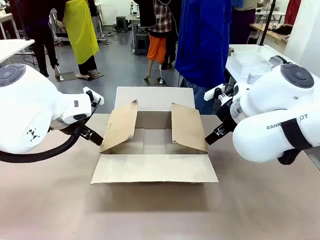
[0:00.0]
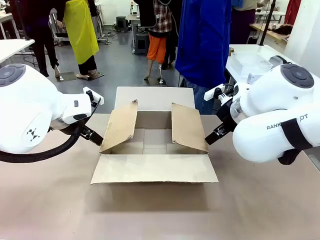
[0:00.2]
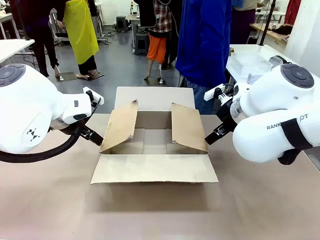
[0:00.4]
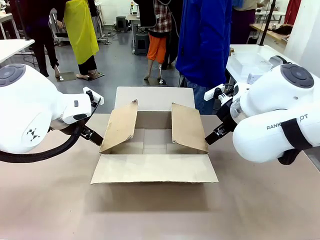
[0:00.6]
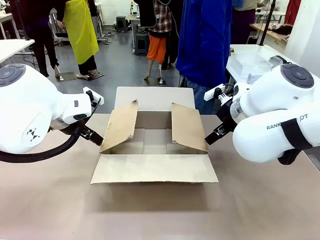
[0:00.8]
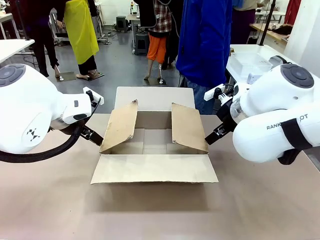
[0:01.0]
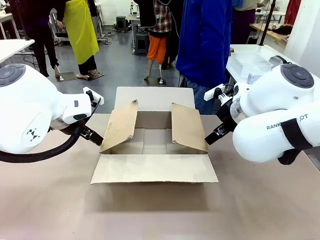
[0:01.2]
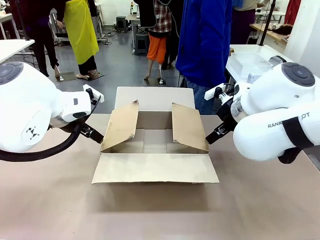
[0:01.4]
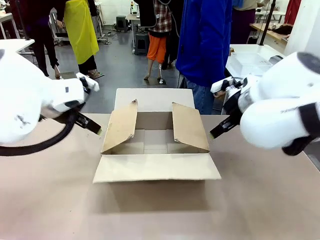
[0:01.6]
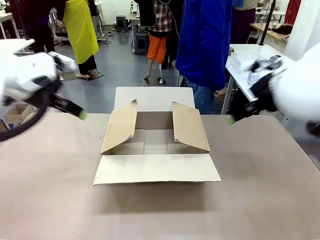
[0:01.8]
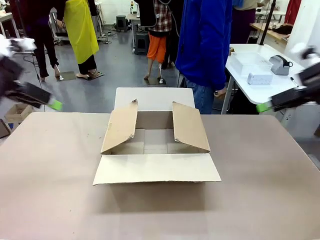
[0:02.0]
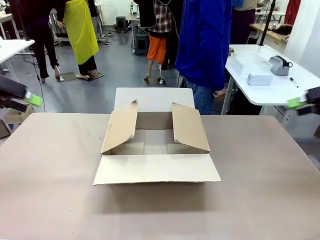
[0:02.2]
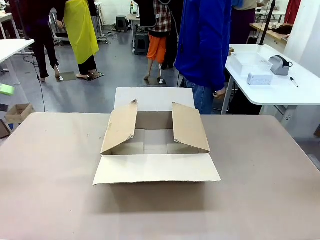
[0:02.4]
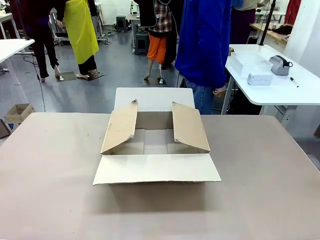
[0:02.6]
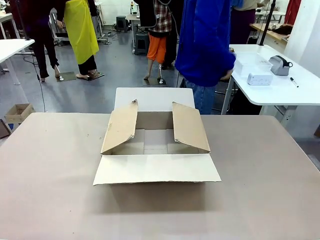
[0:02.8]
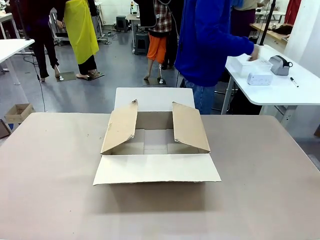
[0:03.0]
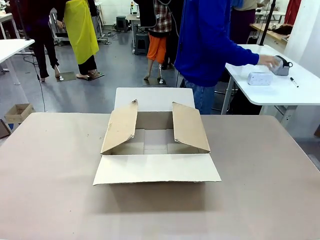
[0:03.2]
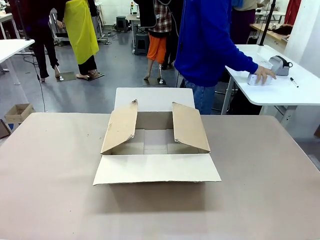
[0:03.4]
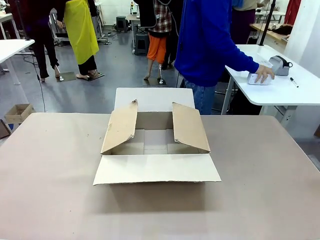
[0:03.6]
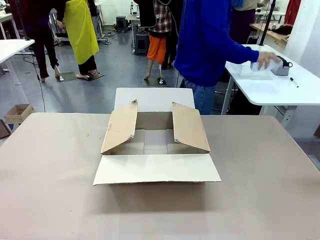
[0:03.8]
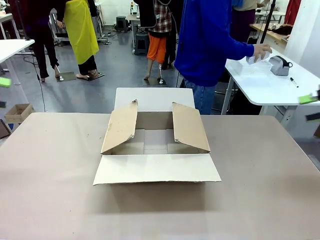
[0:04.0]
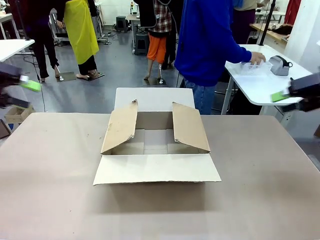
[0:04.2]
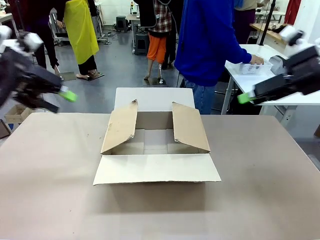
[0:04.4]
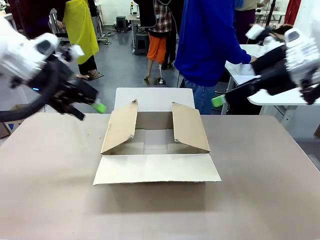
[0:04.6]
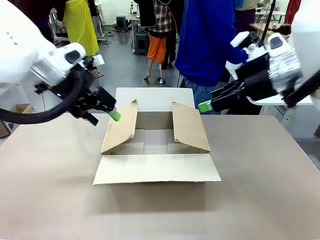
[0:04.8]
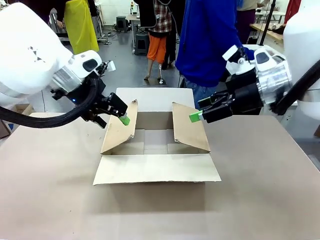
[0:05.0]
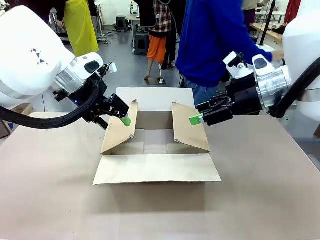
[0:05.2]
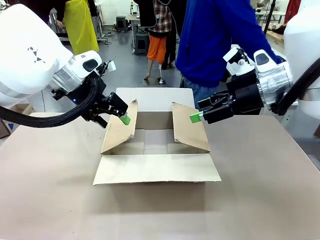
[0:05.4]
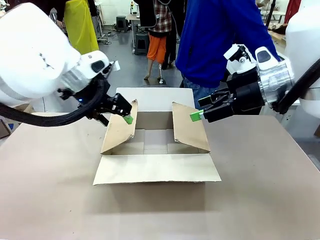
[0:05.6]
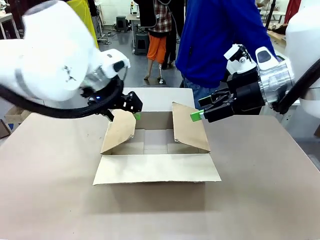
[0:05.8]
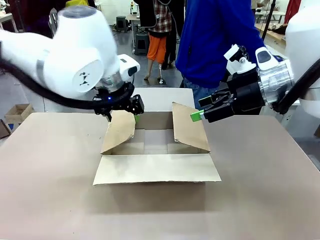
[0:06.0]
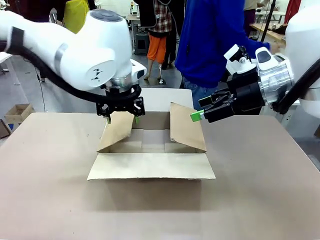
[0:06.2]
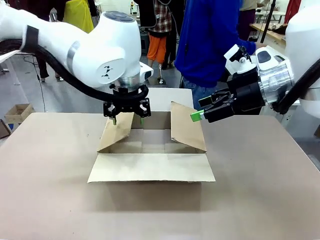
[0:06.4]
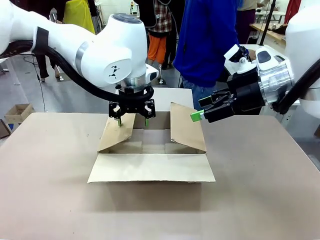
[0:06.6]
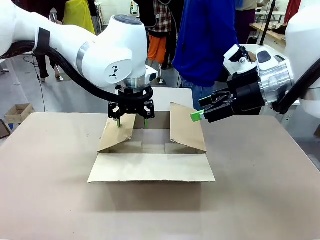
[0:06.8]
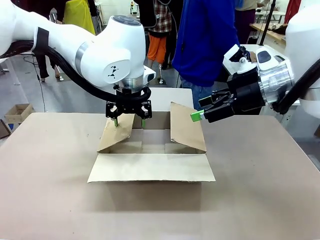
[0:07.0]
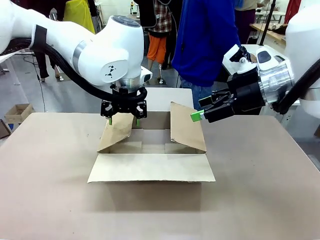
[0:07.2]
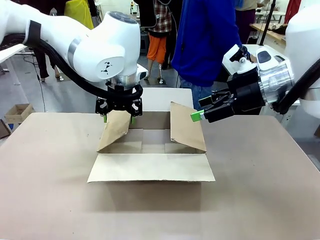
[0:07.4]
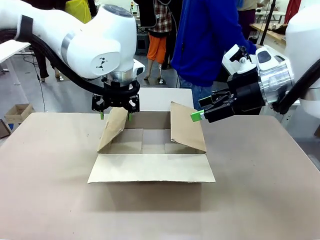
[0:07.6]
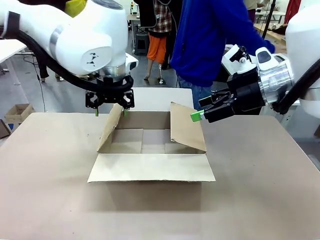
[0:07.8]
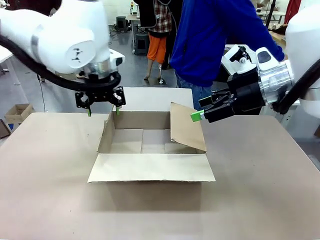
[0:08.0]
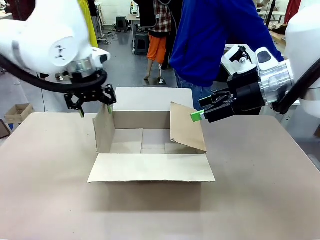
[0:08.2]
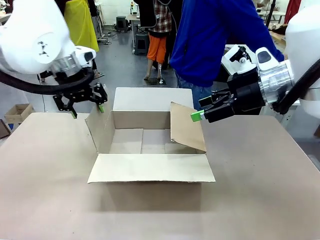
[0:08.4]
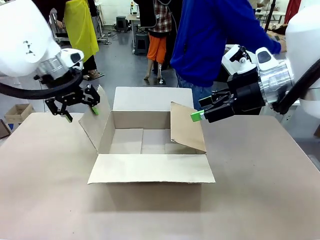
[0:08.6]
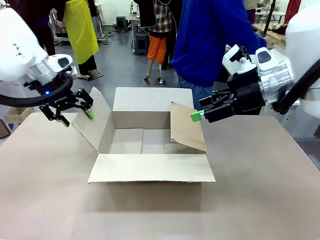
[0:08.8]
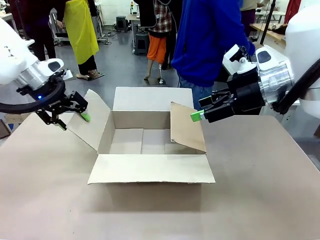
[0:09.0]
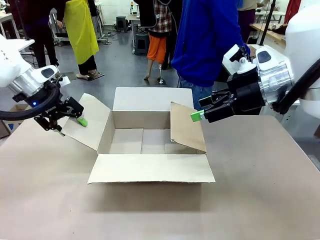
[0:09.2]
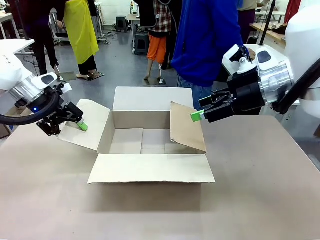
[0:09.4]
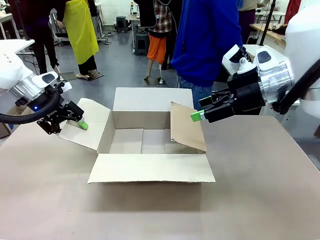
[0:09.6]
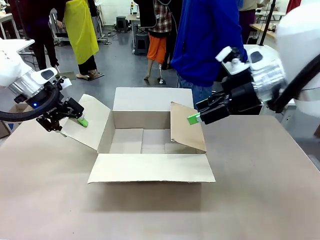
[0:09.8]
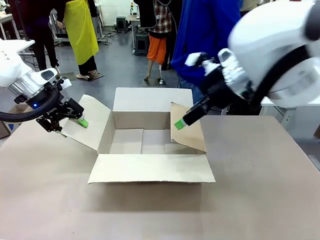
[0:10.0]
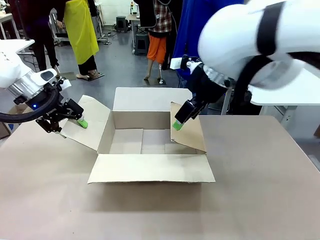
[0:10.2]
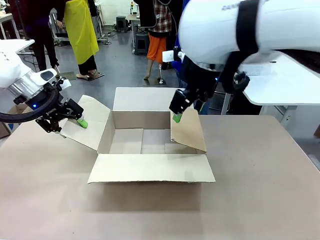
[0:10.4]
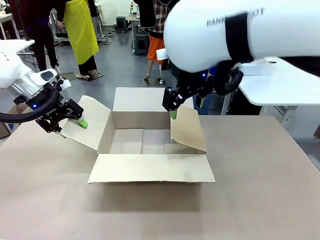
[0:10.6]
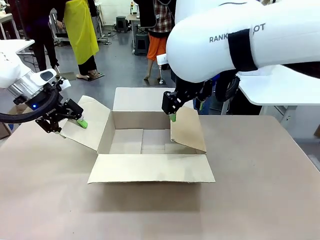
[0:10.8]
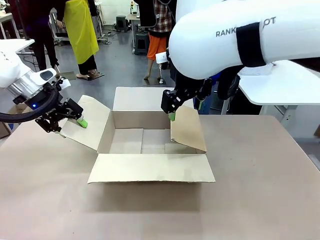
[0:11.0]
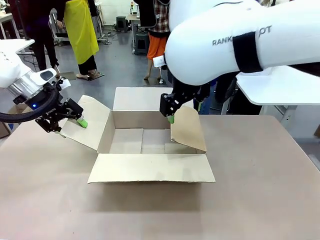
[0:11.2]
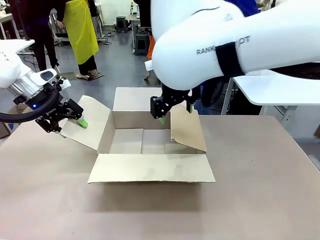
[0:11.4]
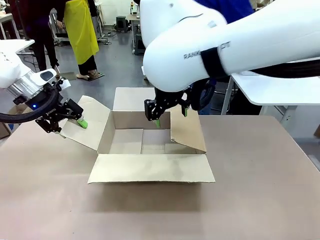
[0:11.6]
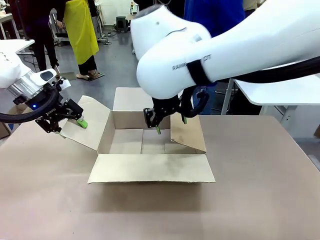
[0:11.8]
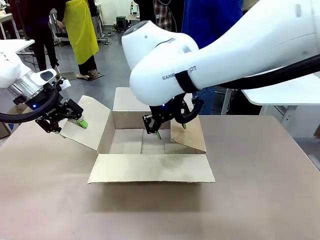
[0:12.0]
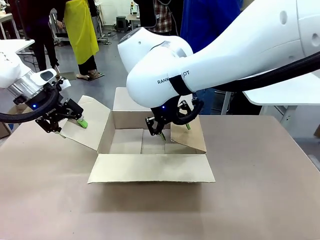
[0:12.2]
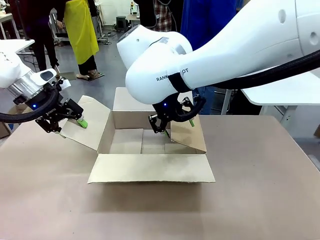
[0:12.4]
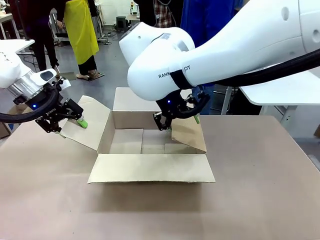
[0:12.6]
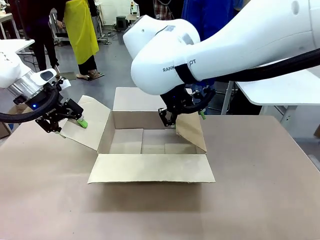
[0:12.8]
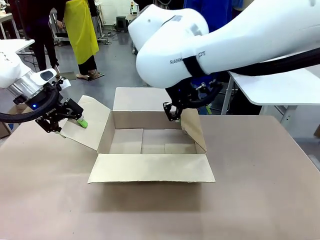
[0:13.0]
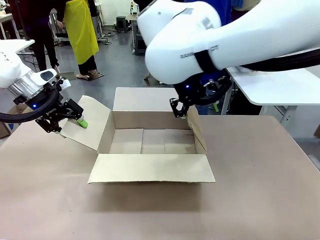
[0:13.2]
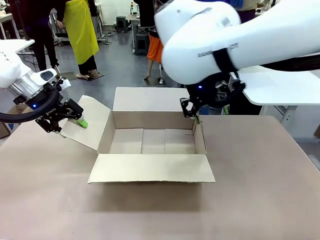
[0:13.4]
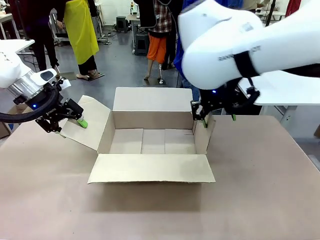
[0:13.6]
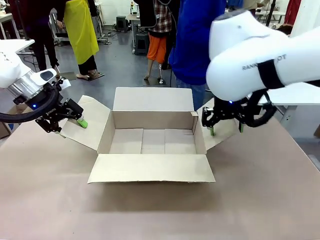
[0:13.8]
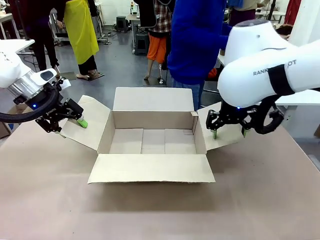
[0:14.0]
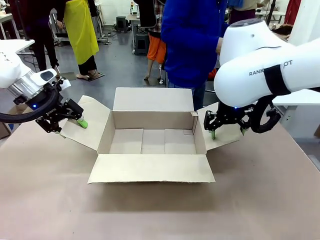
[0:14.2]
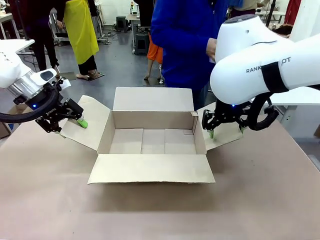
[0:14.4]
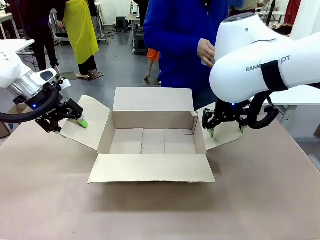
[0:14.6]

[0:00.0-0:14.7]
Task: Pack the gift set into the box.
Robot: Place both hands on the side flaps of the Package Box and spread them outward.
Person: The human places all items except the paper tape into the organizing basket.

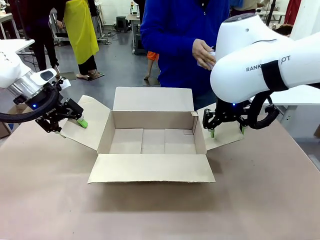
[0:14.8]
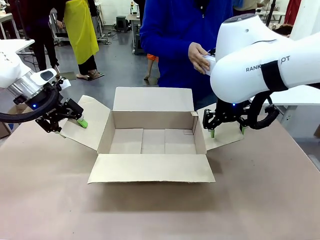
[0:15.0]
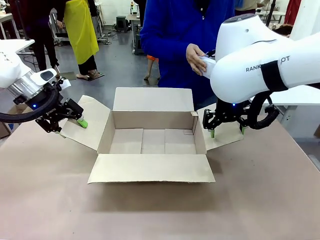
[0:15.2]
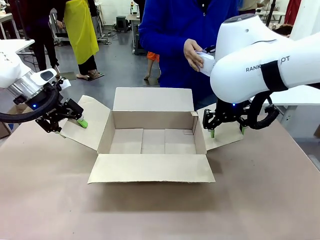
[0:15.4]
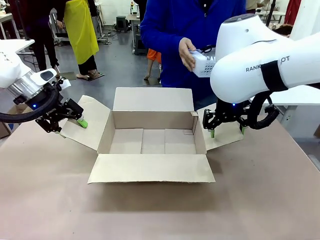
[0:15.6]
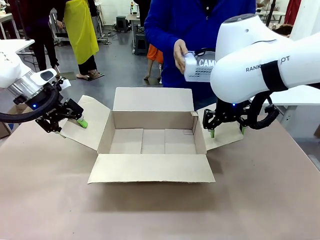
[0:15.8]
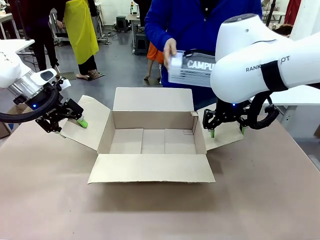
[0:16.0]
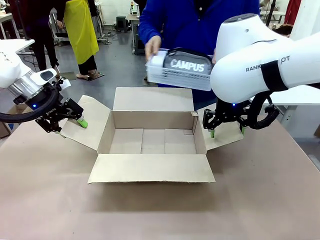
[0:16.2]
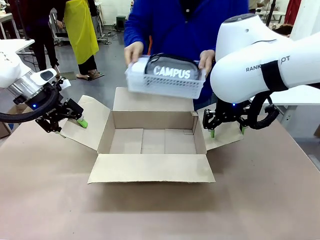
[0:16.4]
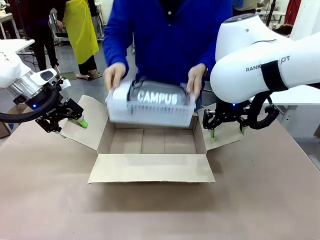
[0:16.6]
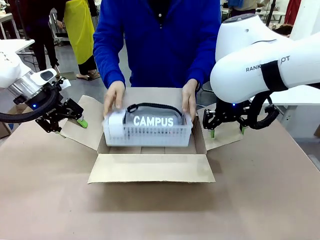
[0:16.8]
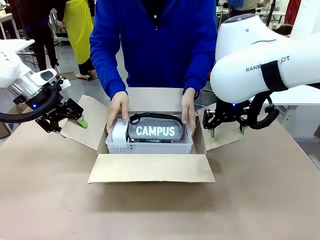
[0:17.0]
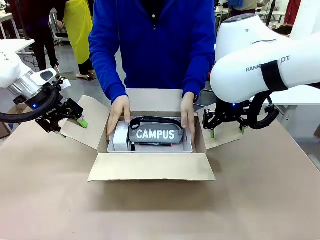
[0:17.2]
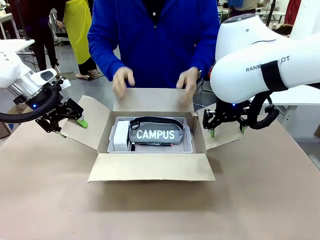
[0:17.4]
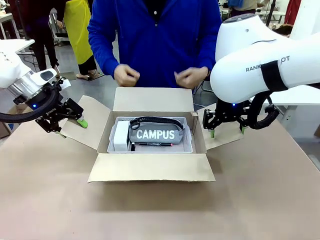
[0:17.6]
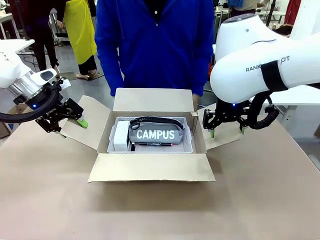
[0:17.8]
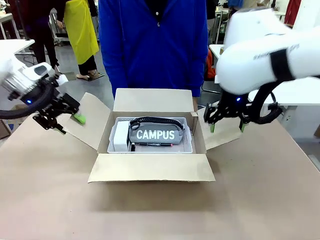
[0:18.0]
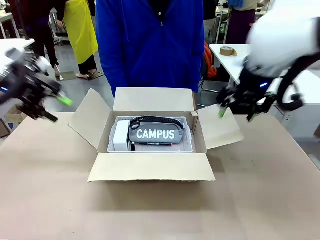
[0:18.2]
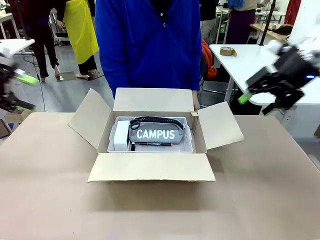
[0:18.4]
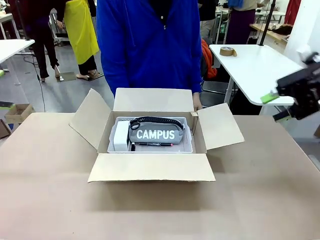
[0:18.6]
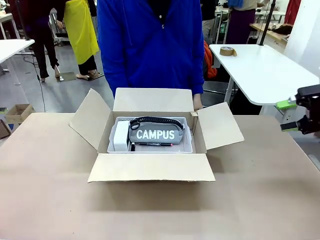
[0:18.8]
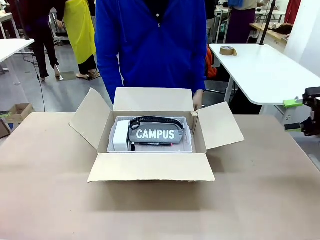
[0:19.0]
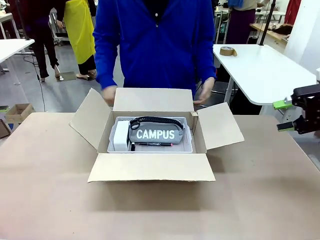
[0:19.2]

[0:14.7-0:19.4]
Robot: Lift both hands away from the flaps of the Package Box.
Person: The human picks up the organizing basket and places the organizing basket into the package box on the robot table.
